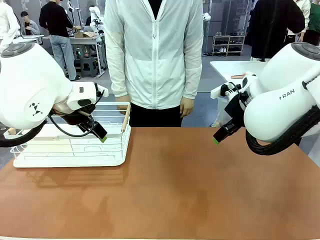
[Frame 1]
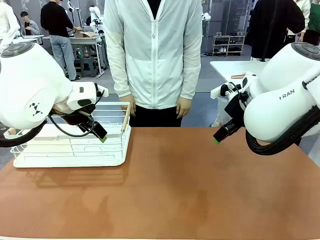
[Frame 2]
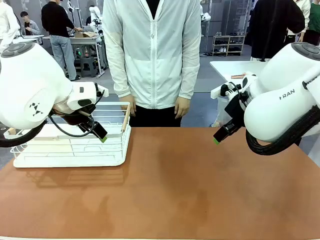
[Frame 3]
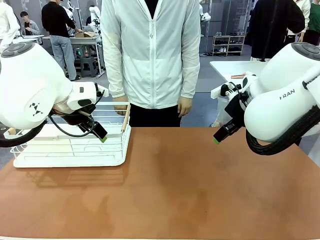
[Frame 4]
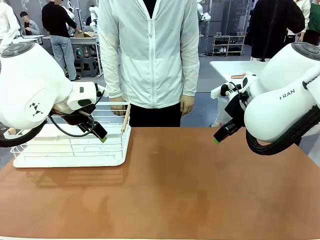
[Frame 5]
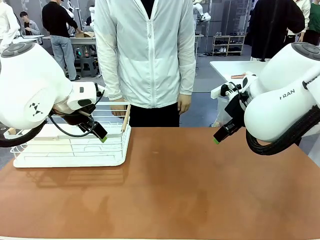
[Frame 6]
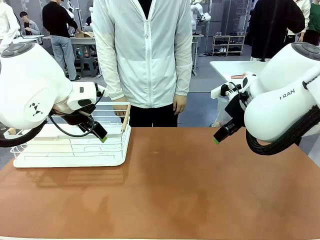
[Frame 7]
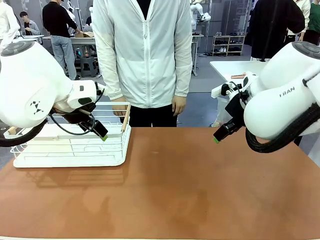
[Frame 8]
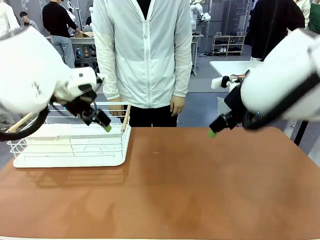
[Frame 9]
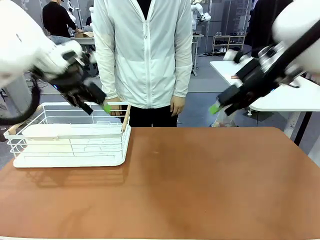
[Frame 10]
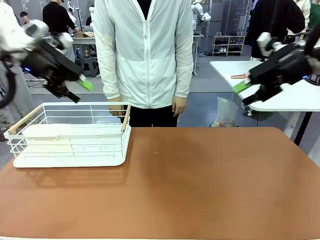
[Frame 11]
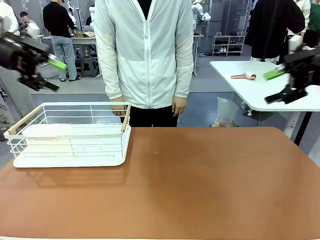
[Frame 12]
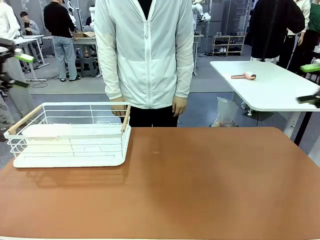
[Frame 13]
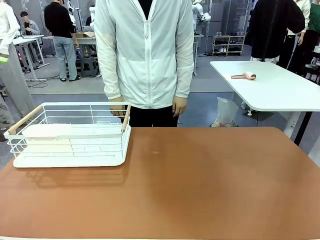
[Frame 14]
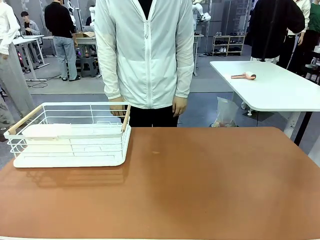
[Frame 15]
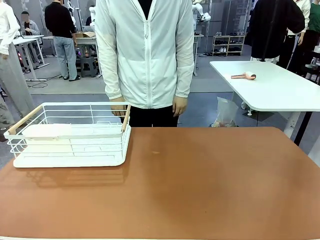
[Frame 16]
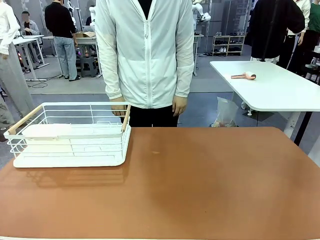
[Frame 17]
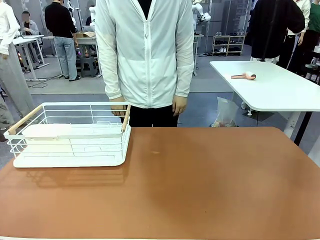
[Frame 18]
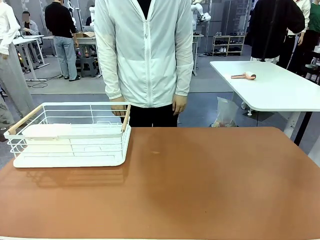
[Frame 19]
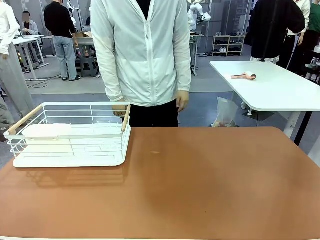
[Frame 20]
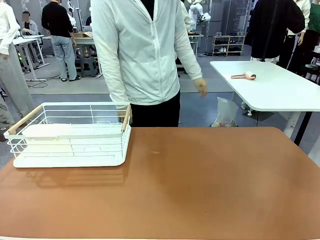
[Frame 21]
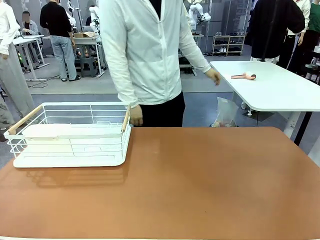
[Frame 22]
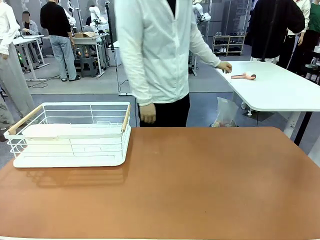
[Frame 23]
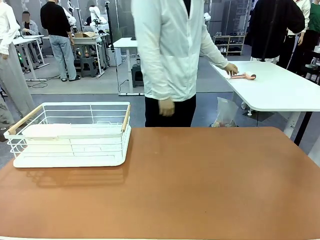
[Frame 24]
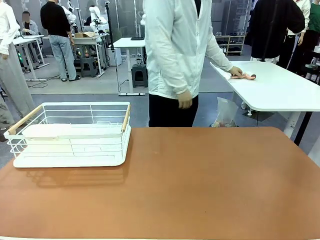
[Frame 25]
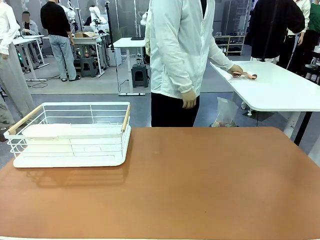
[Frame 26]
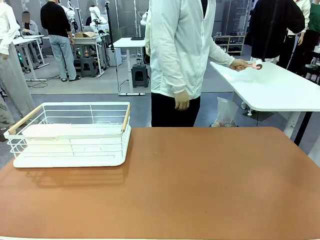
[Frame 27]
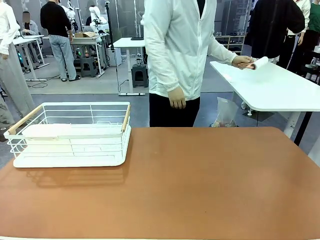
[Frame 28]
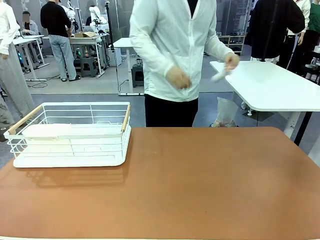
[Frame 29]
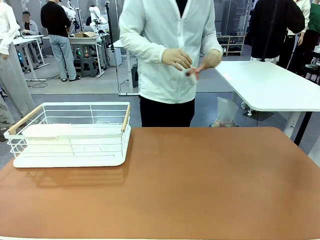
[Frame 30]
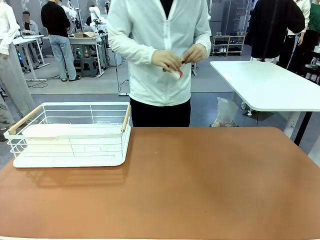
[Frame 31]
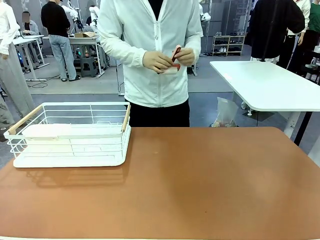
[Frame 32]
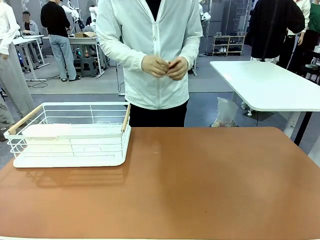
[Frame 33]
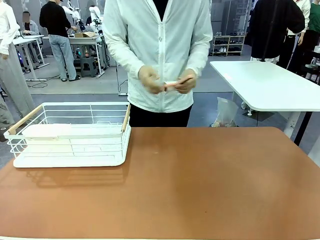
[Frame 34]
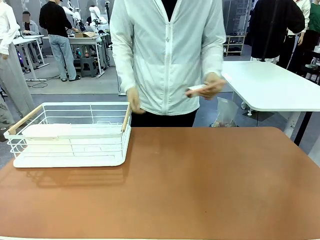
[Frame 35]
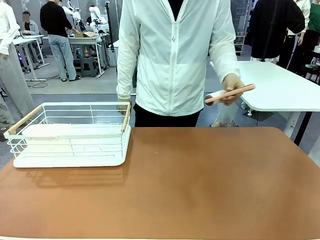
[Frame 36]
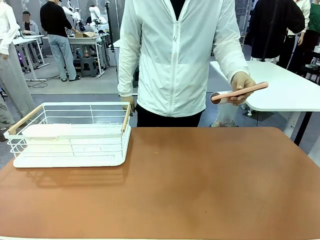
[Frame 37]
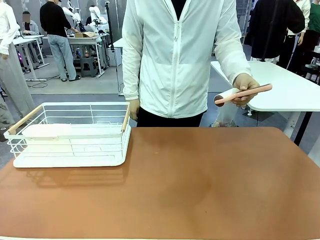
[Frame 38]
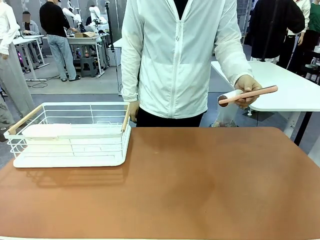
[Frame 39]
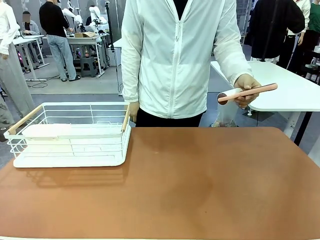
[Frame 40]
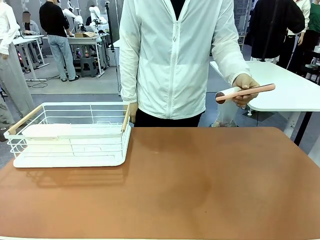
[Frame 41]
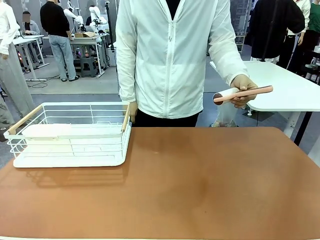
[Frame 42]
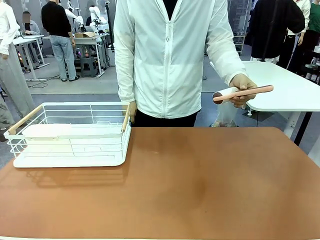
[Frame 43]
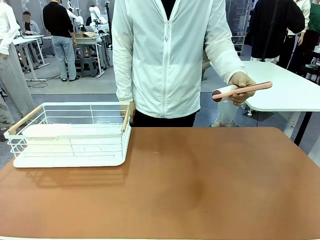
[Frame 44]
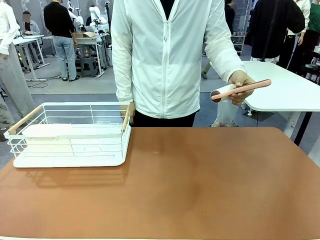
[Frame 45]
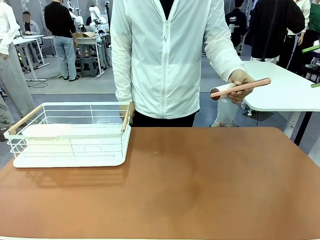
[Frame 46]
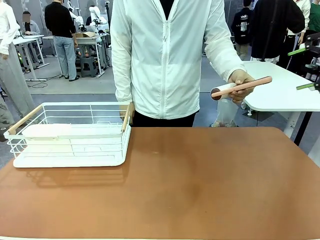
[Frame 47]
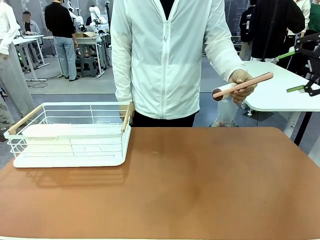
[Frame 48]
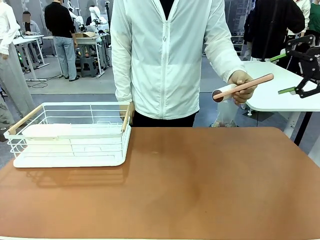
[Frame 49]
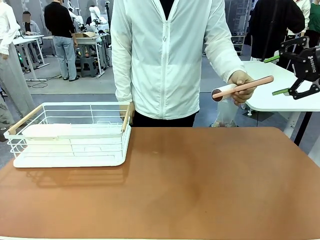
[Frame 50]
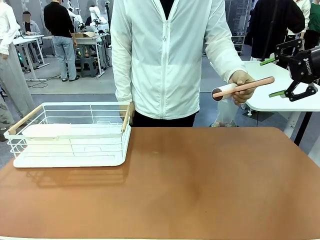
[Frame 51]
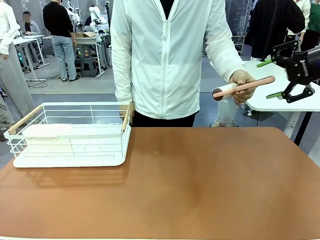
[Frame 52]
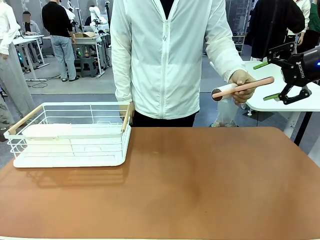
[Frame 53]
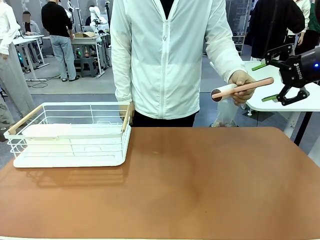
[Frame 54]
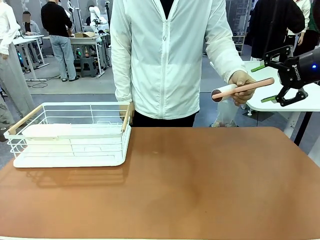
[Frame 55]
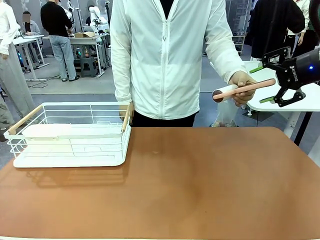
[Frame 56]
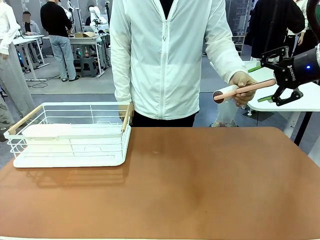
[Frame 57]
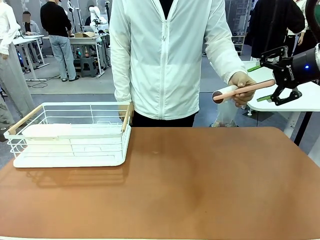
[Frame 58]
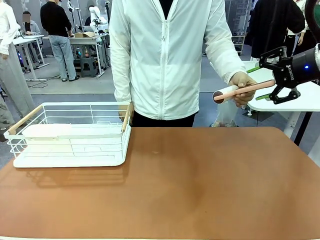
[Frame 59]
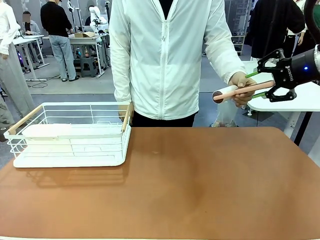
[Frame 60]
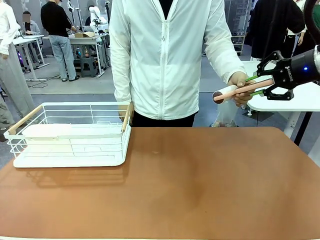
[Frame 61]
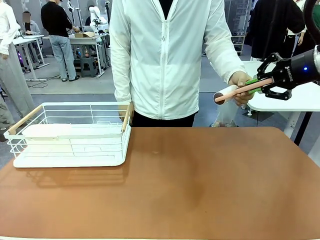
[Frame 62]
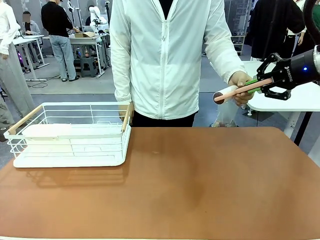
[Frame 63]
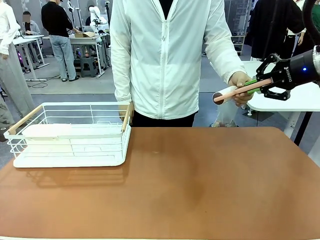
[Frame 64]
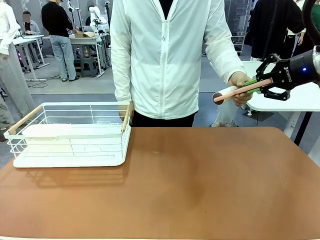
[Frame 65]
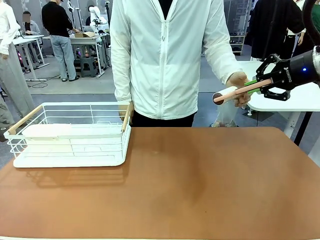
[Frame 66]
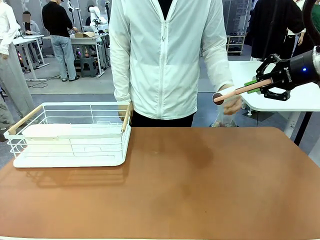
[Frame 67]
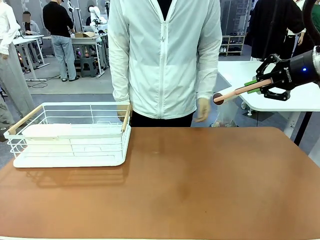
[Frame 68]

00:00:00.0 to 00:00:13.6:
Task: Clean the table.
Robot: Pick up the Lint Roller when the human hands it over.
Person: Hand the Lint Roller to the robot so it can easily pick it up. Lift the Dish drying rack.

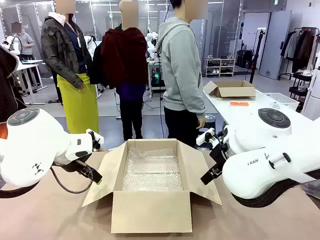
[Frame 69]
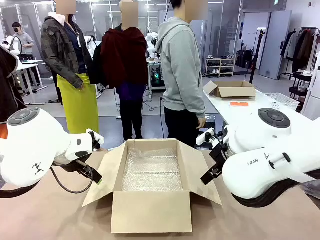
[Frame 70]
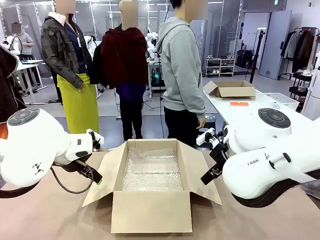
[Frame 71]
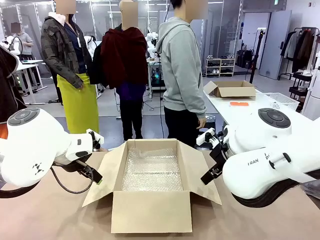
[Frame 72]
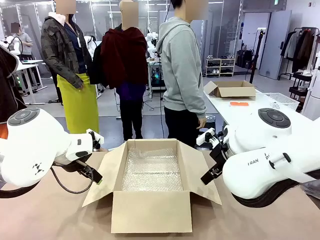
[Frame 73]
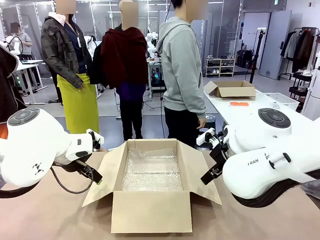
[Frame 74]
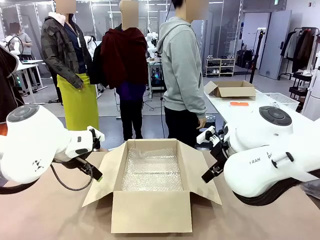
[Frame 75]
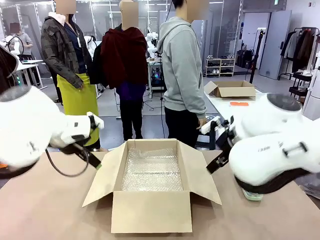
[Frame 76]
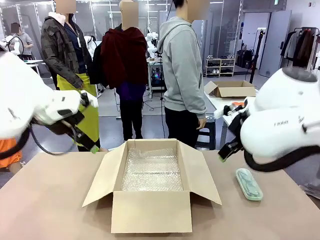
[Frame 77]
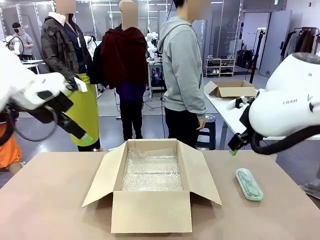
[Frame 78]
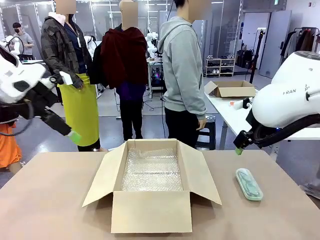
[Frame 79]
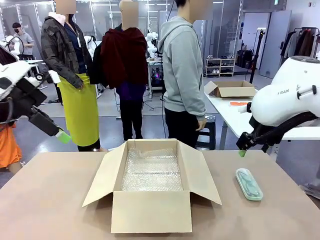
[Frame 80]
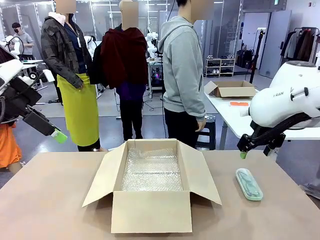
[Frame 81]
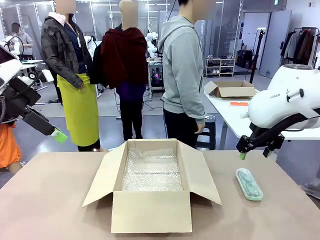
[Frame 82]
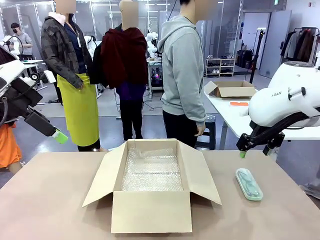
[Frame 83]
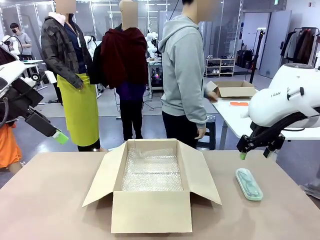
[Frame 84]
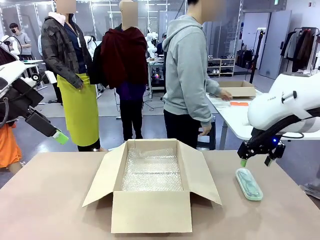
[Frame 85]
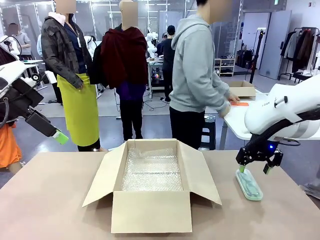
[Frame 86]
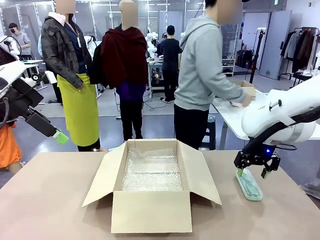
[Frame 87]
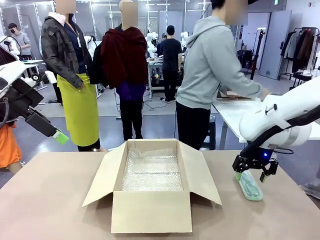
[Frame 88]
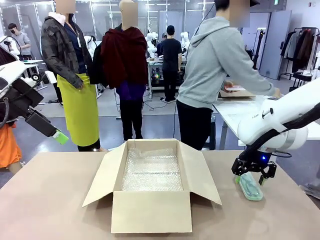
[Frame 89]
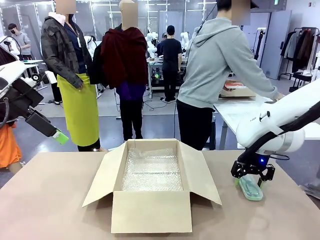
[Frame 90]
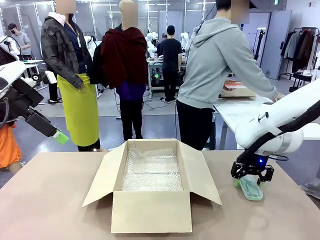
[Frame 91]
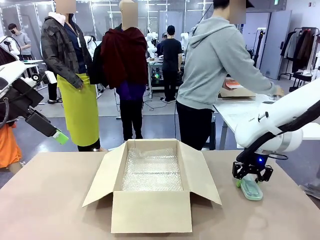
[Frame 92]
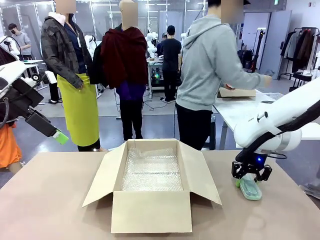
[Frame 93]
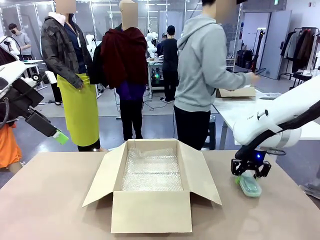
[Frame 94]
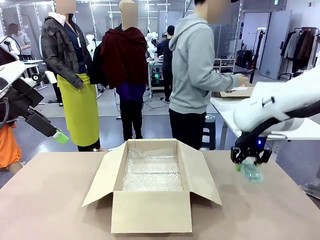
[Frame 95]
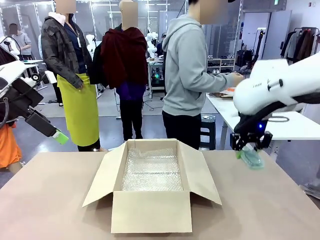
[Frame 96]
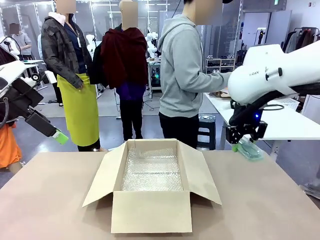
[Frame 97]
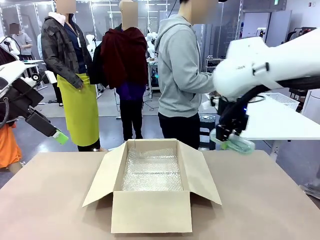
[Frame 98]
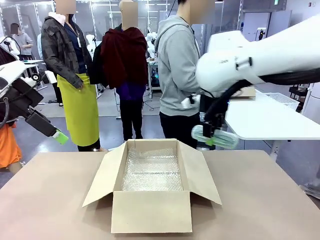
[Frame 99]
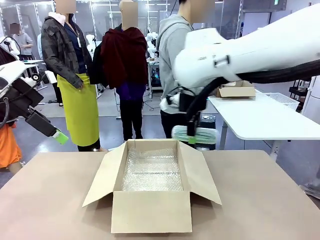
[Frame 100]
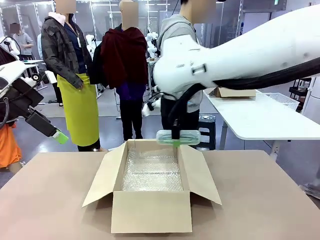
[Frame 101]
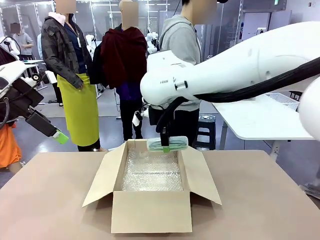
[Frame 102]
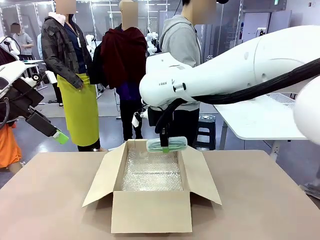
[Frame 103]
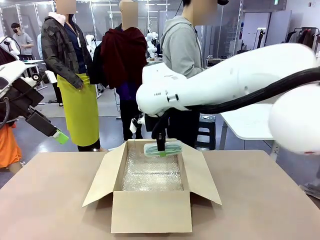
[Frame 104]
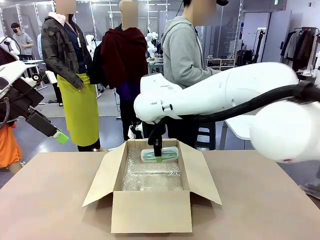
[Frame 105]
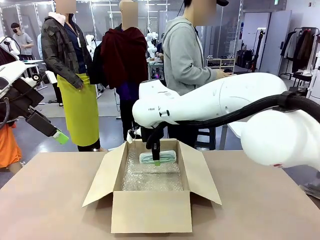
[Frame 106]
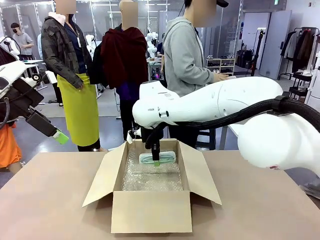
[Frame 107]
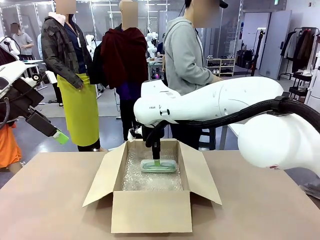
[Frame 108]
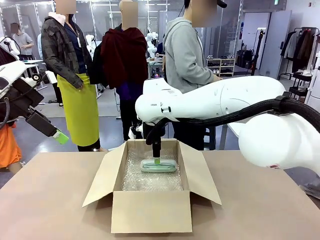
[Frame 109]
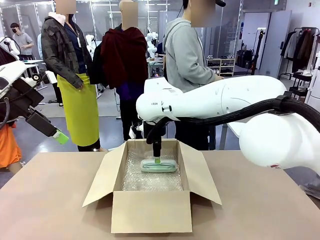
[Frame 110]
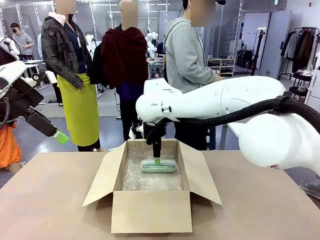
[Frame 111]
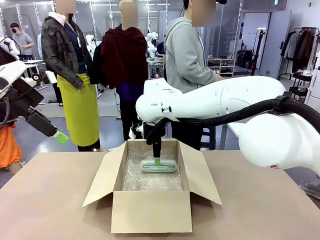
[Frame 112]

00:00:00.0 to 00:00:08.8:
Task: Pack the glasses set securely to prepare it for shipping.
Robot: Place the Glasses case inside the Package Box.
Person: Place the Glasses inside the Glasses case.
